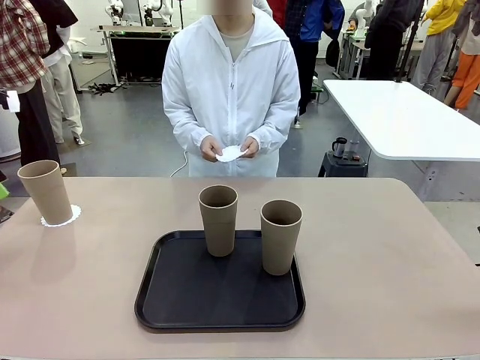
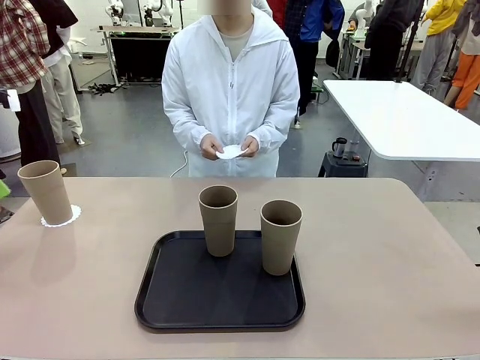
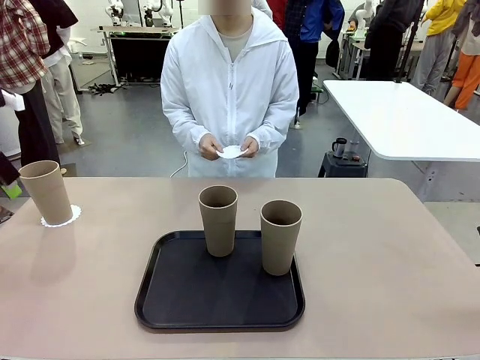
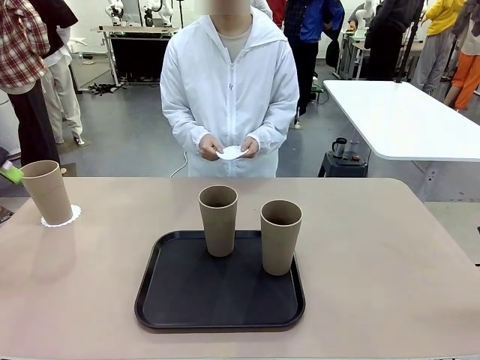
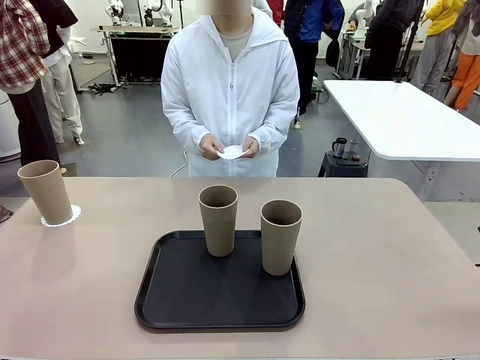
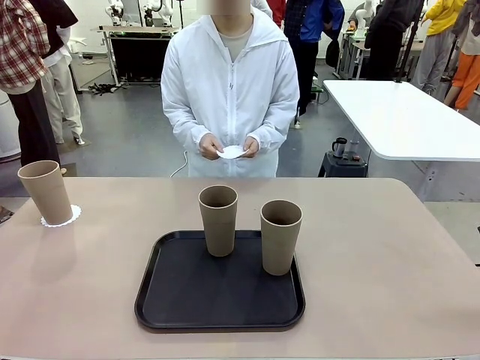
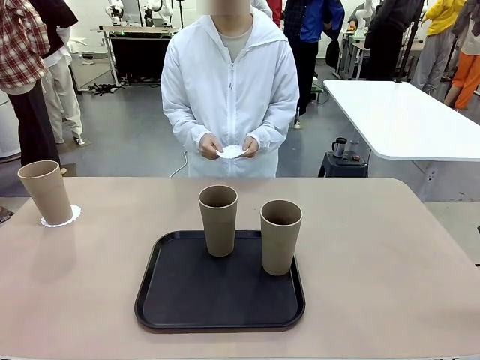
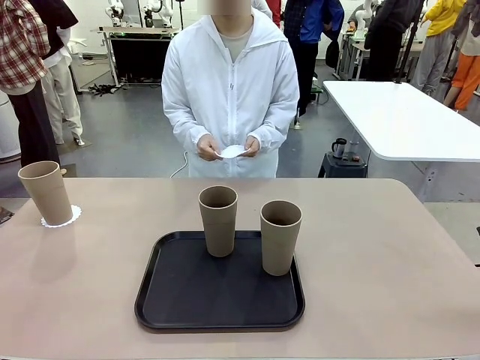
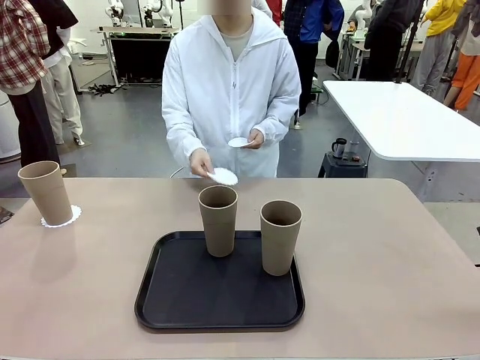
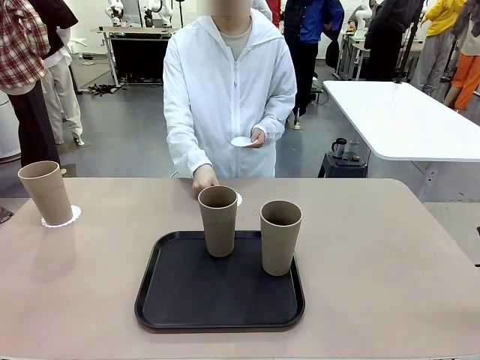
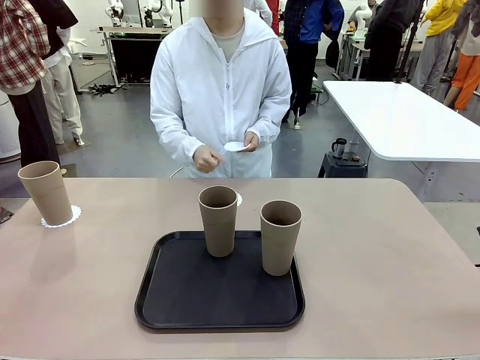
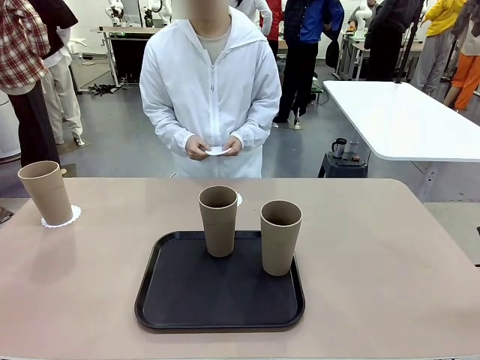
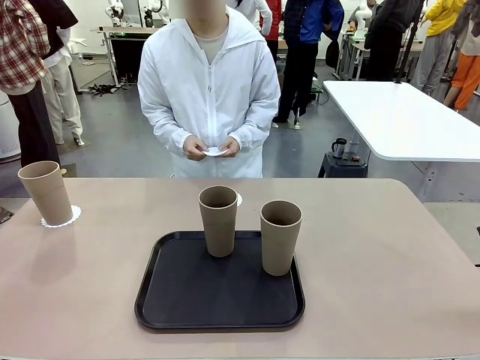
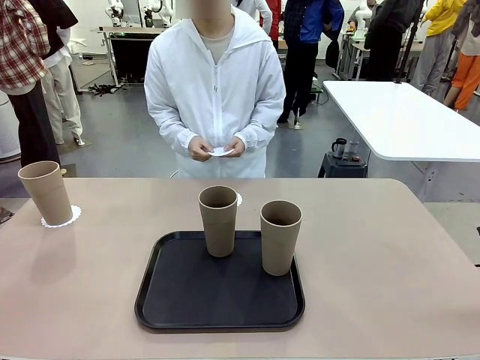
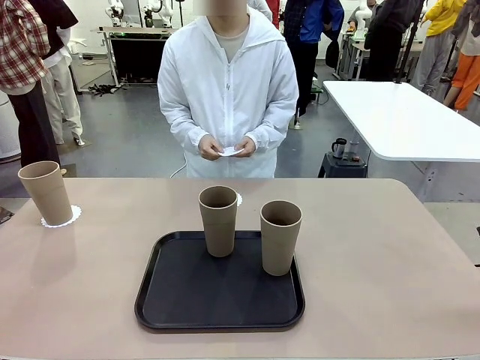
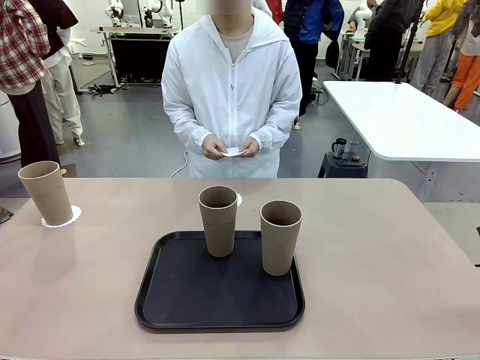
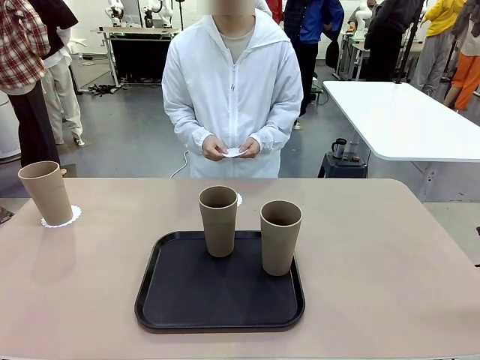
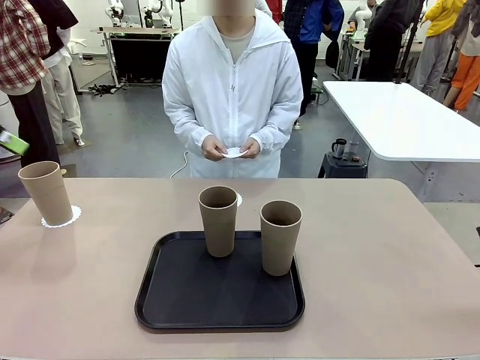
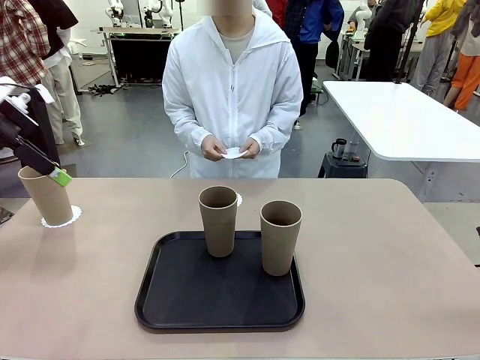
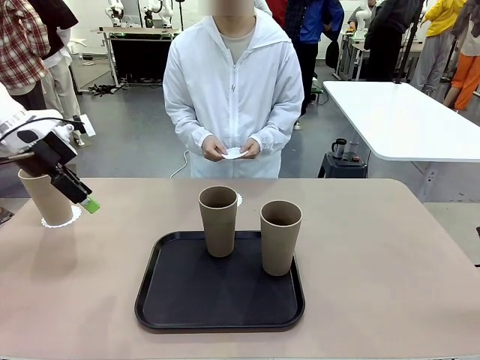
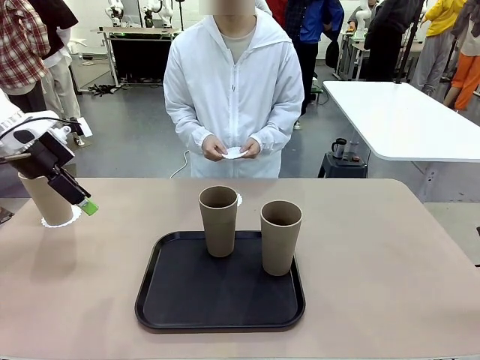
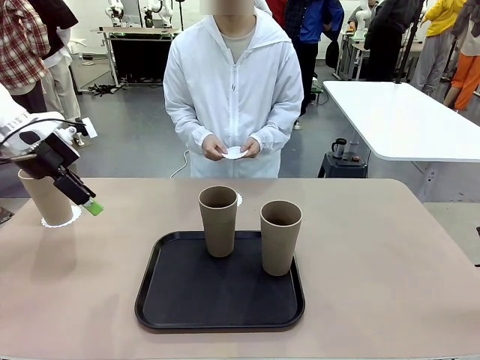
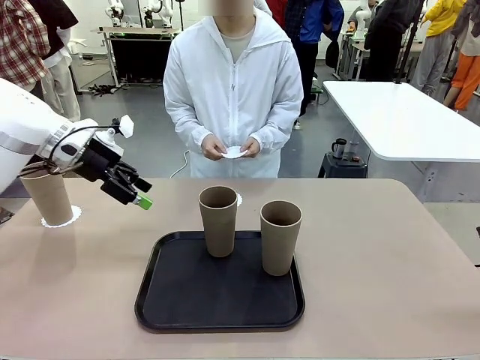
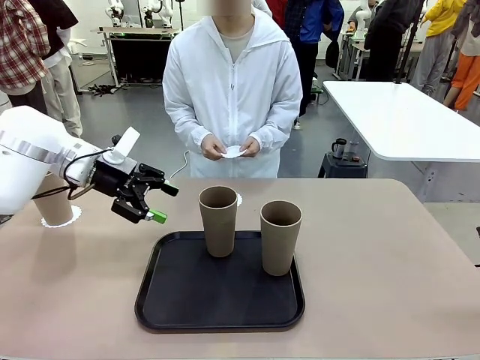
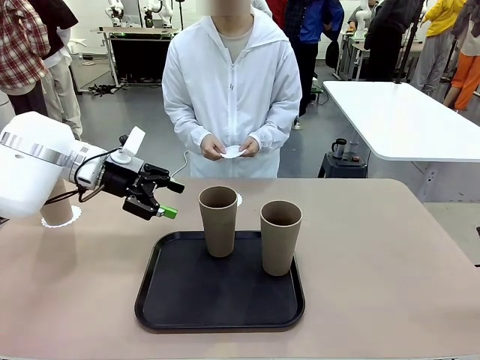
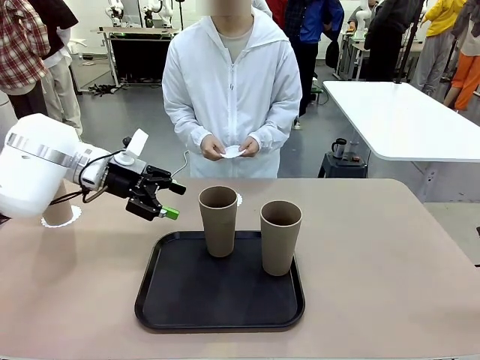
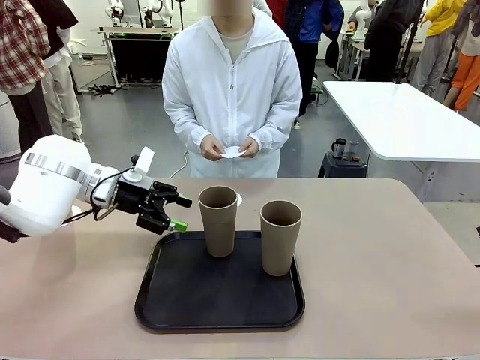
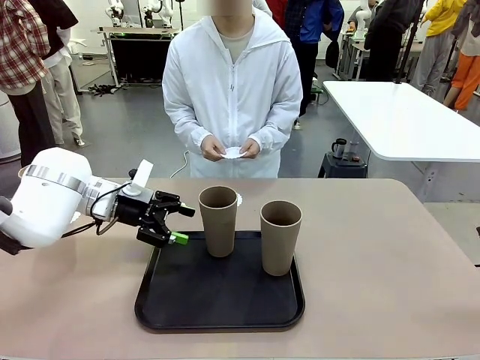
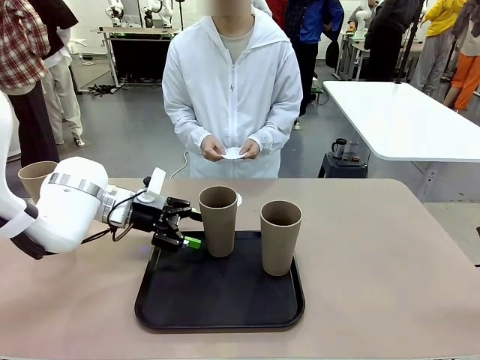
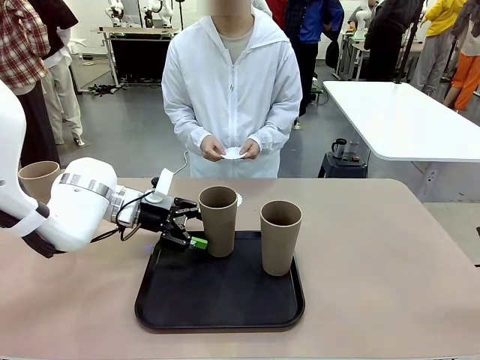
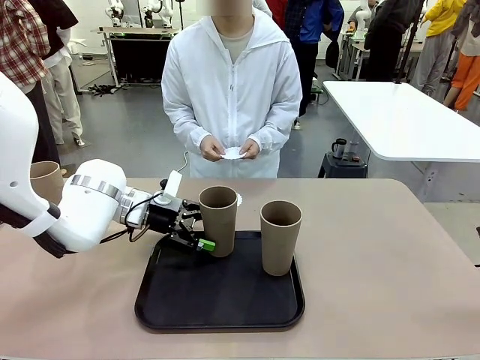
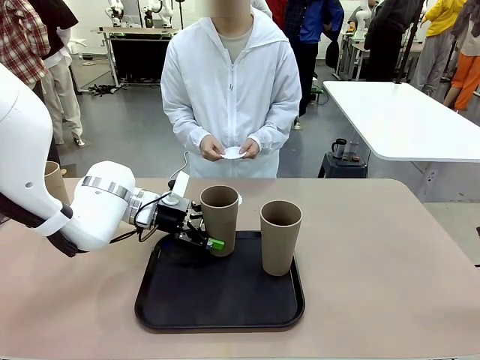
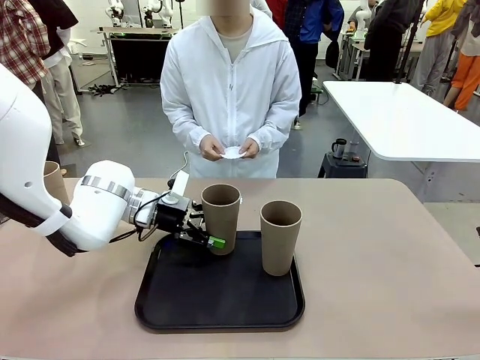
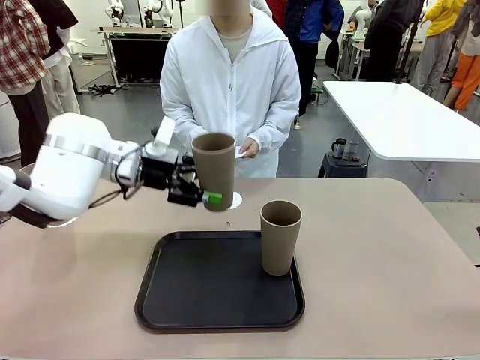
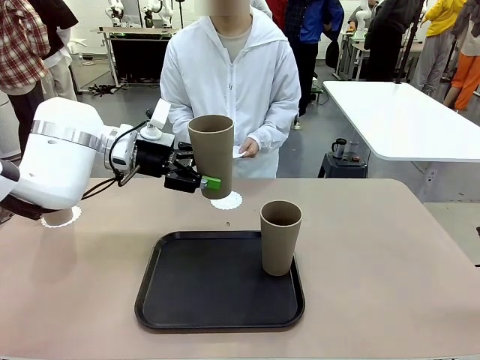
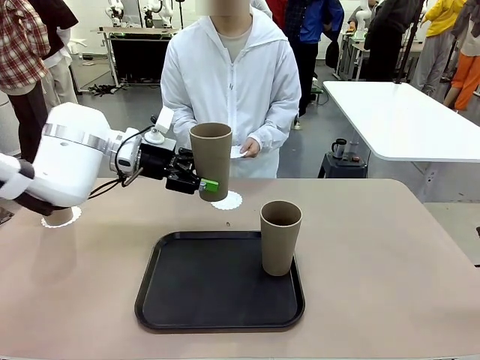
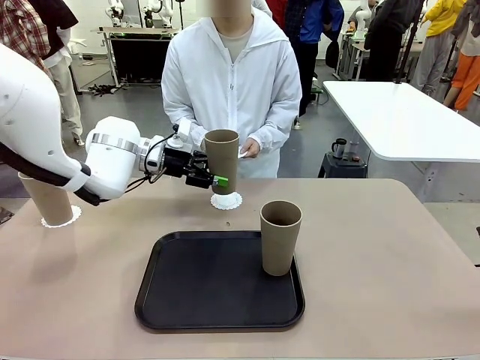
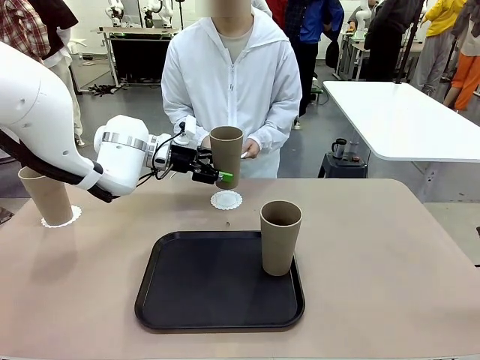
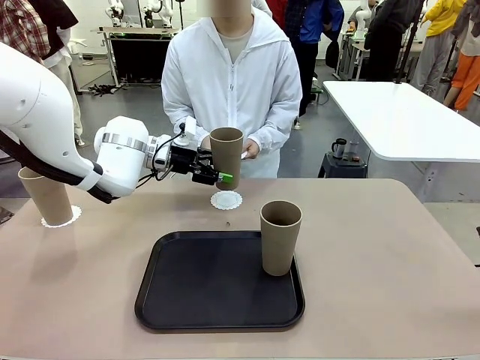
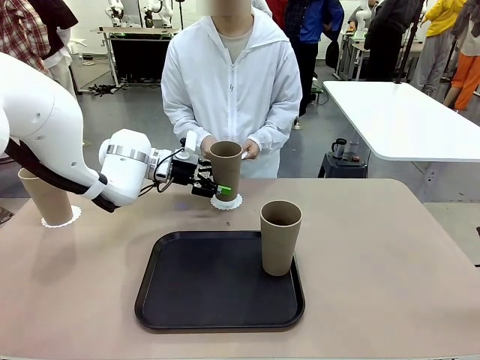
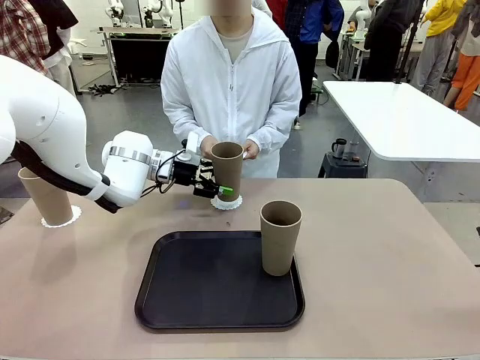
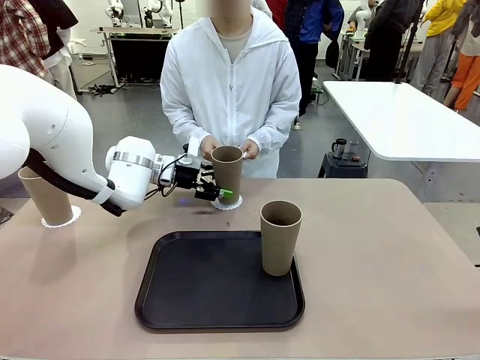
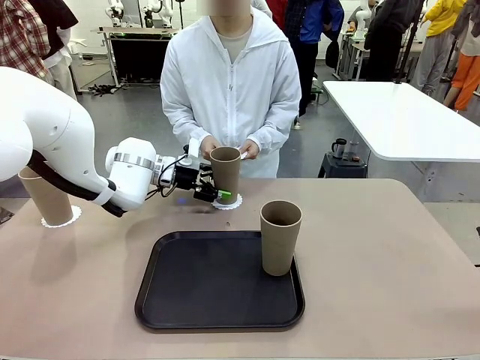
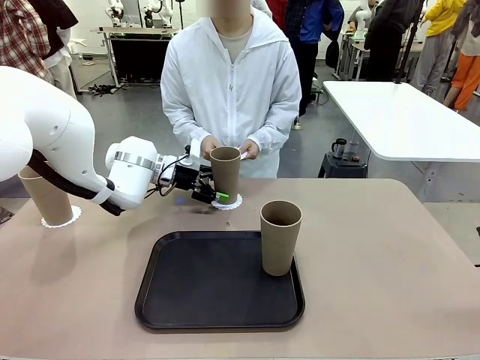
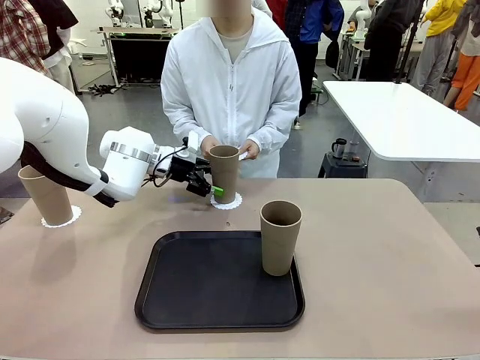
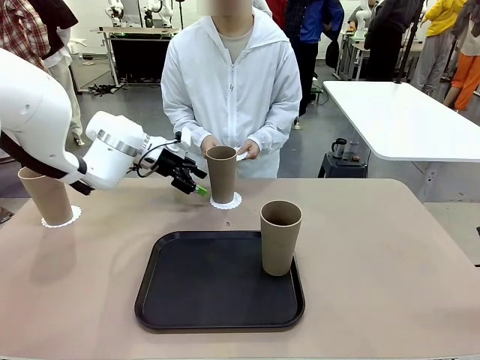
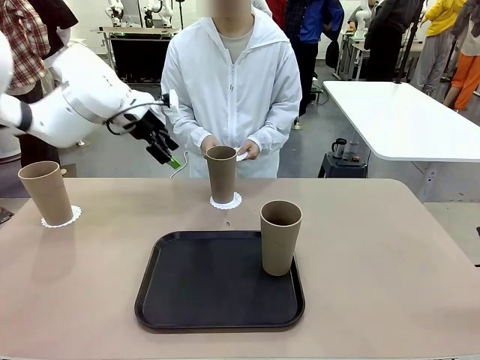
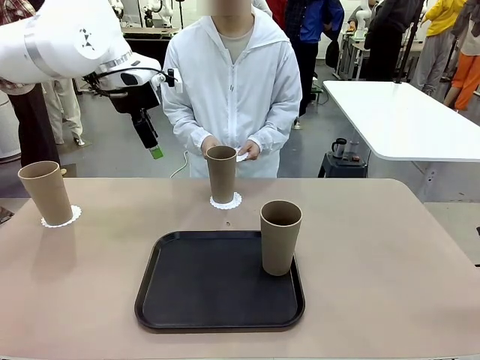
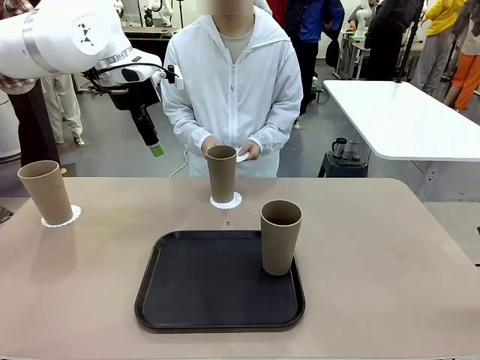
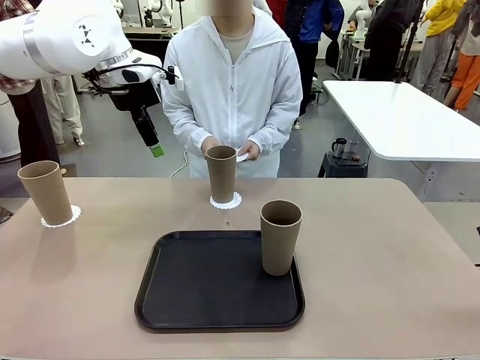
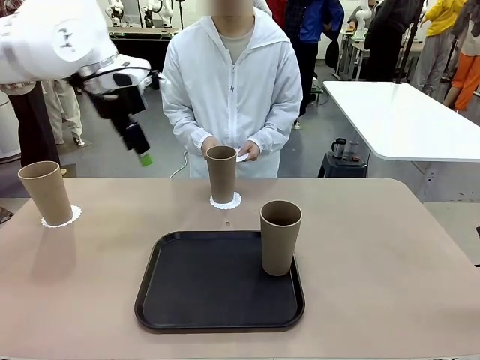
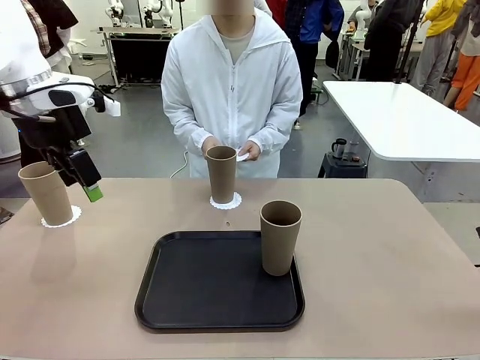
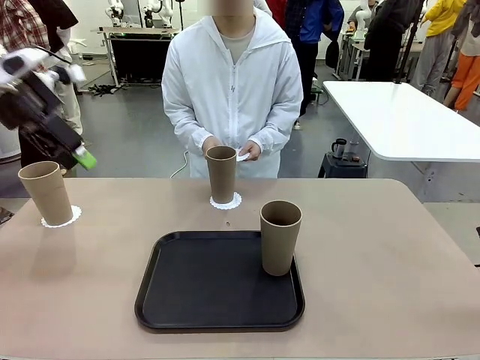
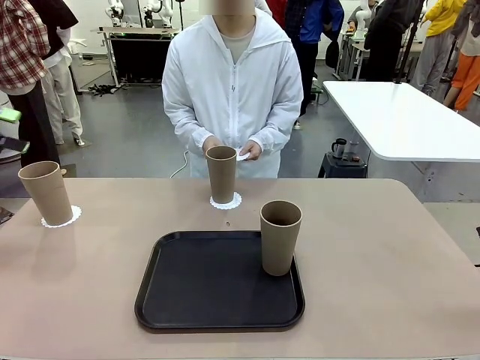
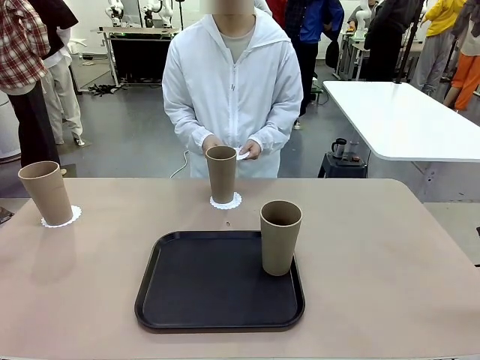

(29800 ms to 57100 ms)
Task: Place coasters on the table and set cups on them.
Robot: Take one Reusable plastic cup from the Flat Tray and place it on a coaster set by the human.
